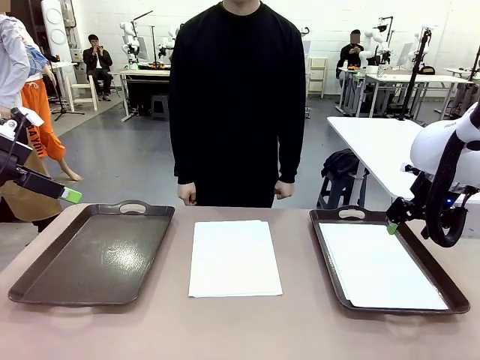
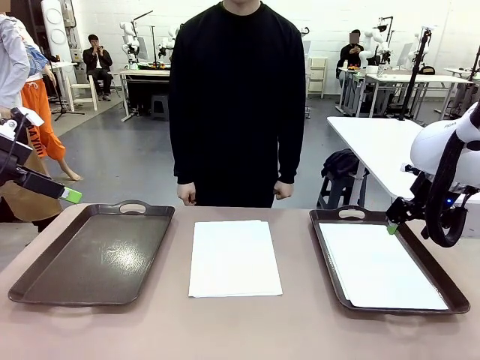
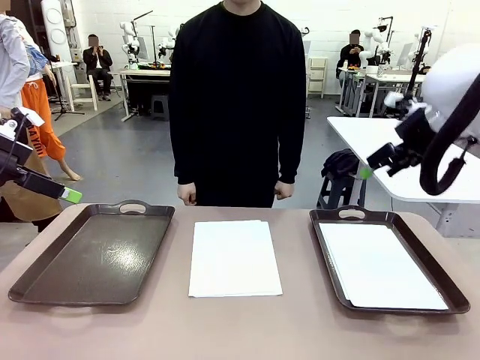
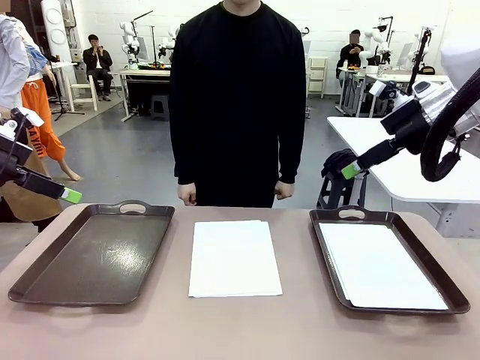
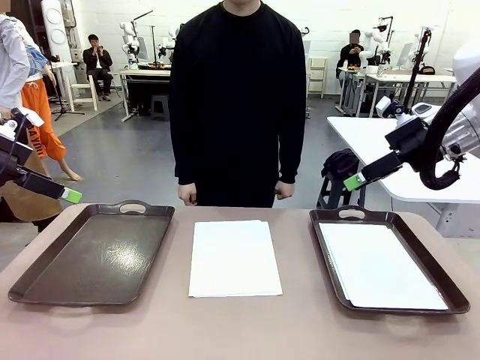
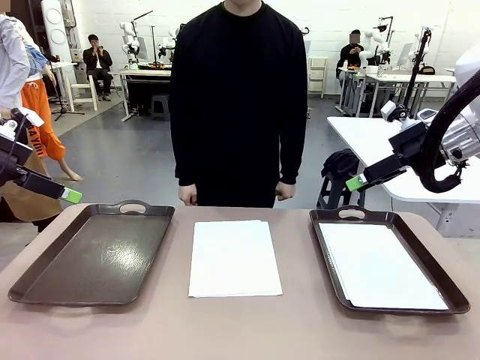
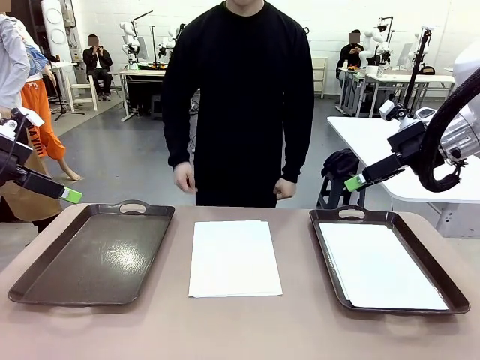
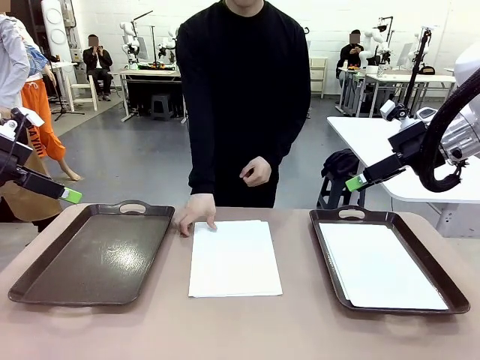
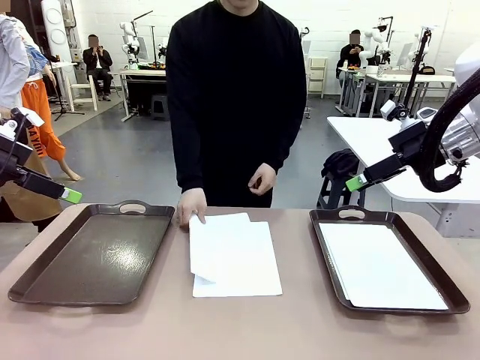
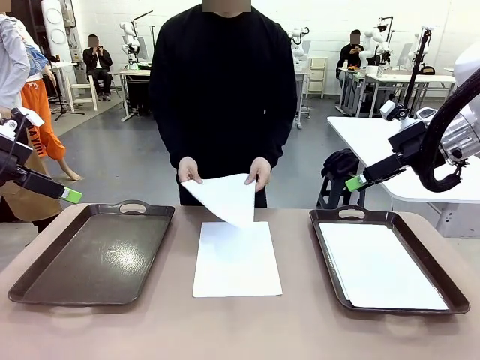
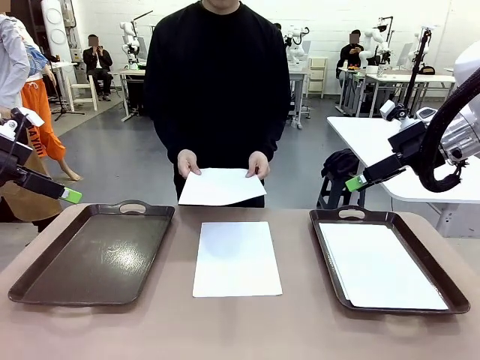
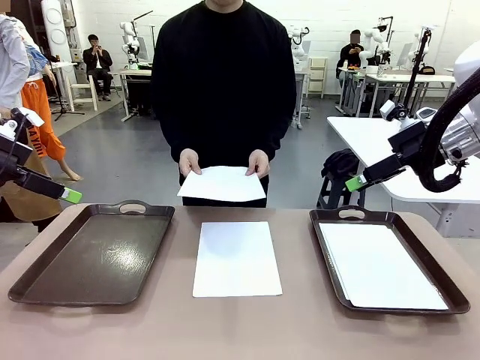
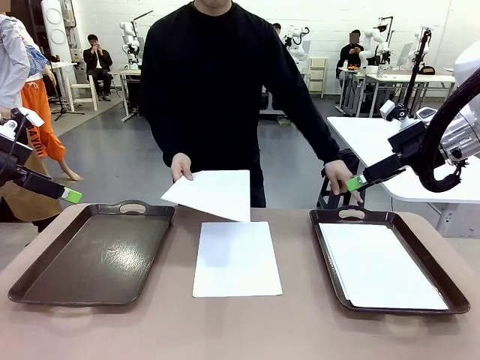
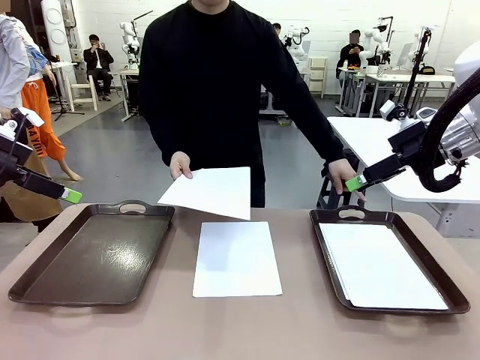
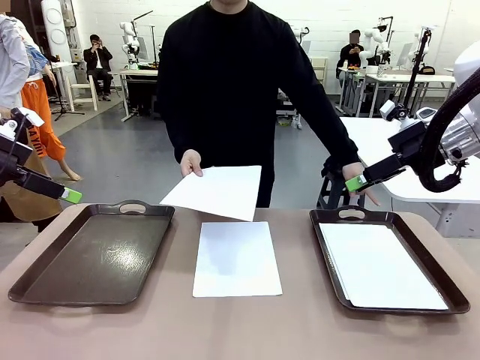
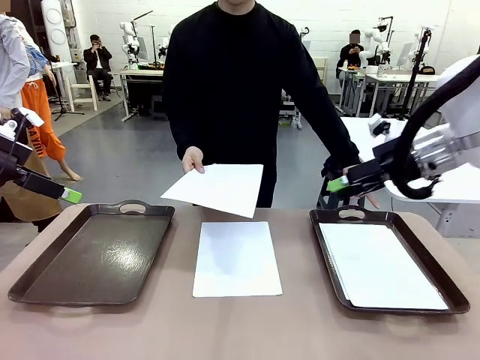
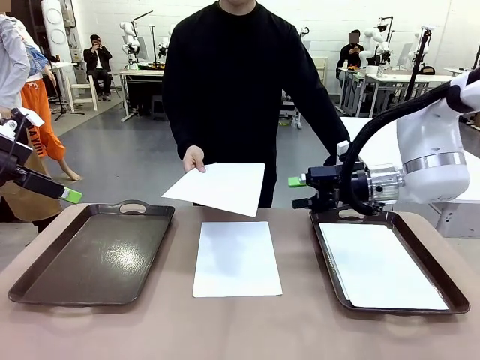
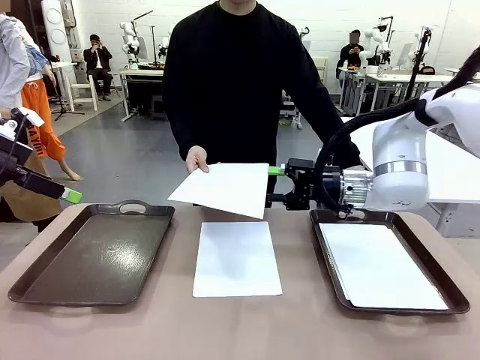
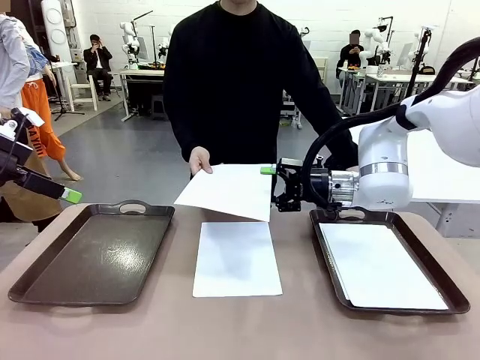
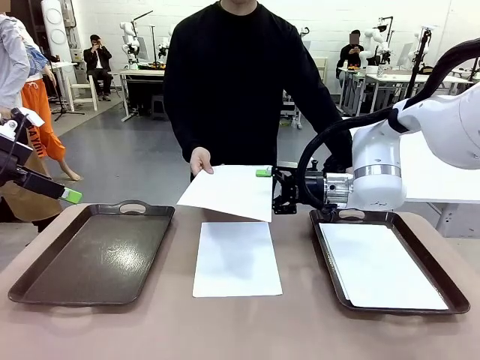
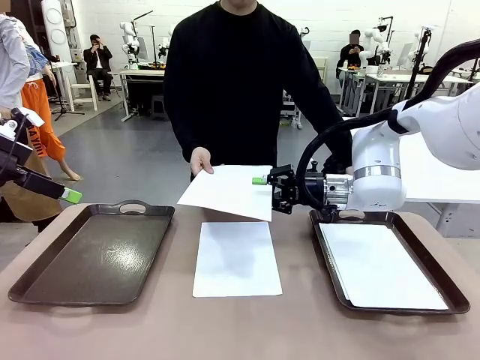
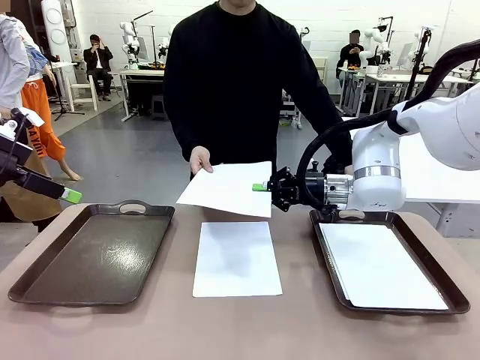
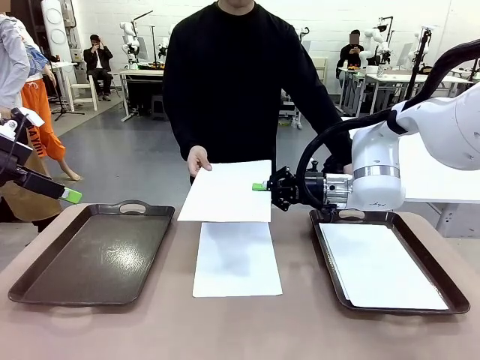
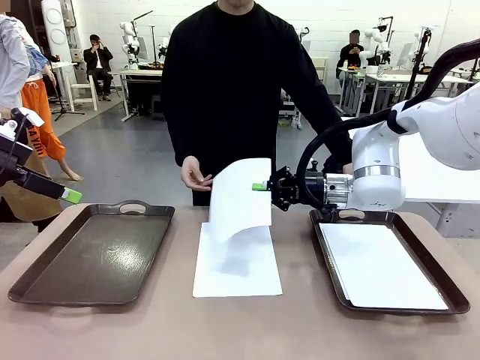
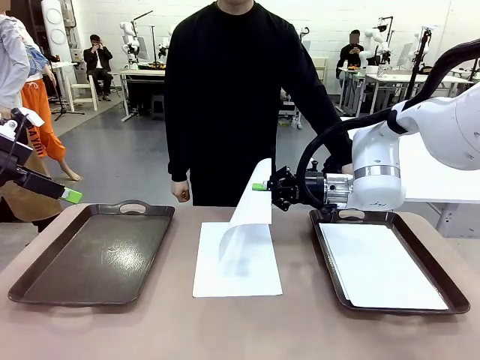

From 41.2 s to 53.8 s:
Task: Sort the A4 documents.
Robot: Receive the A4 Paper.
Person: Point the randomly selected tray with the other hand.

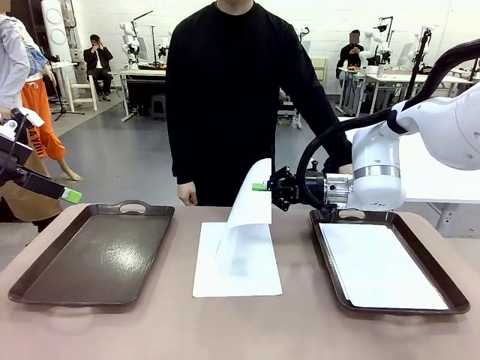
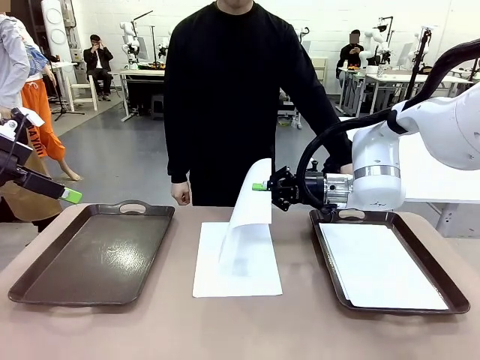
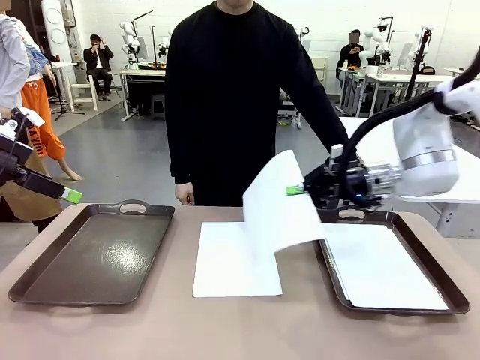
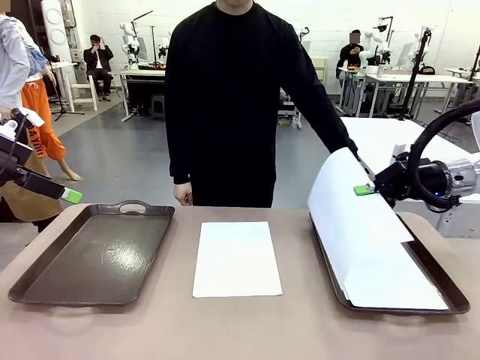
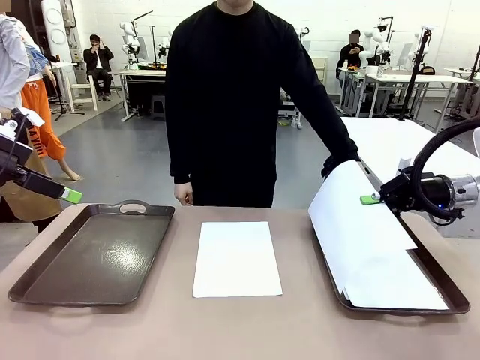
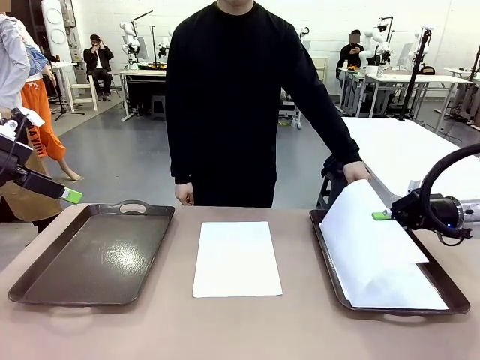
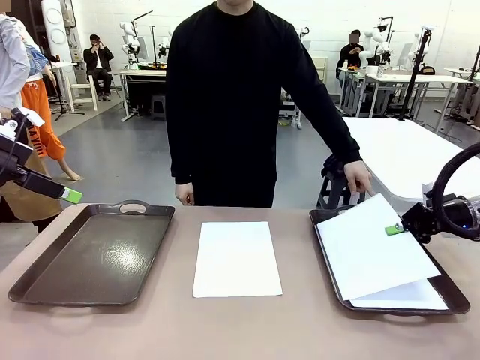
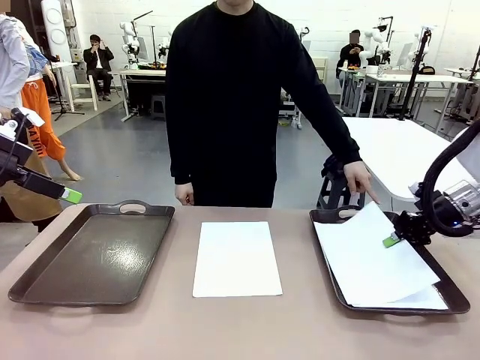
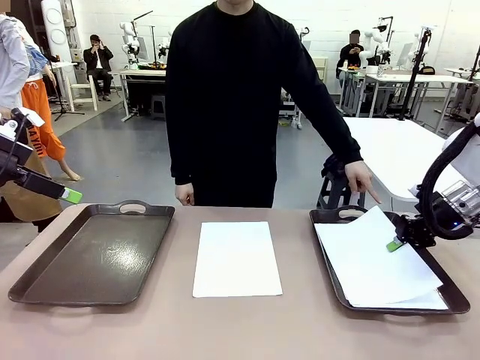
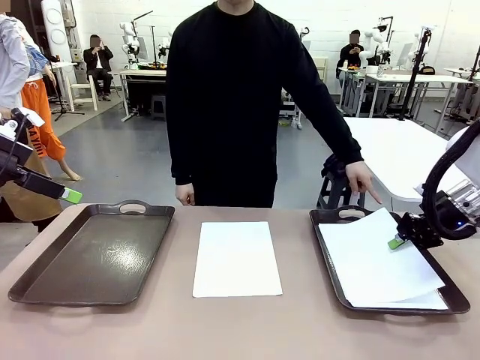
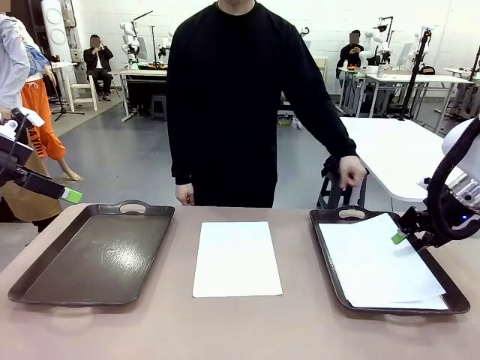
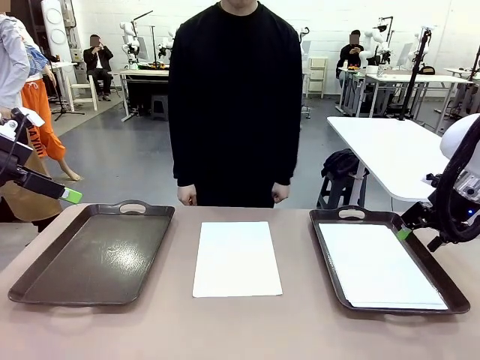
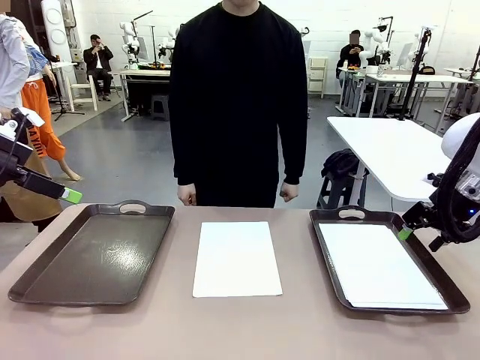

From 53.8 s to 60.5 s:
Robot: Place the A4 Paper in the designated Handle tray.

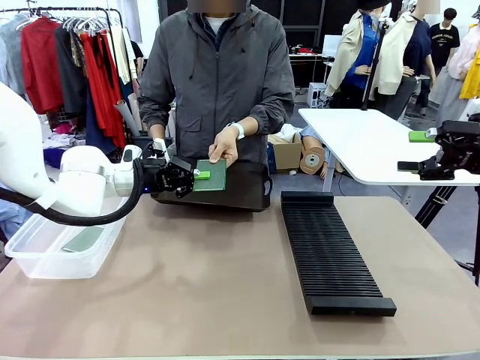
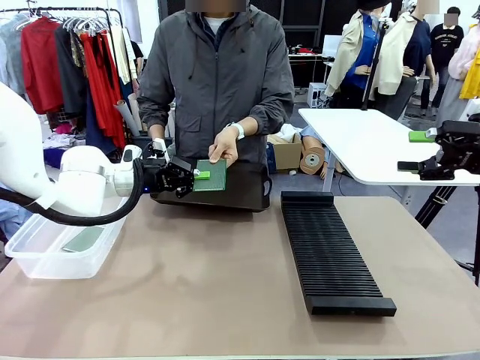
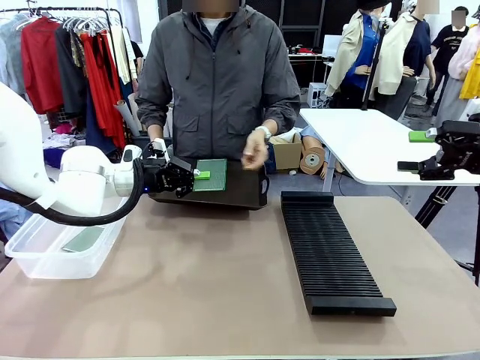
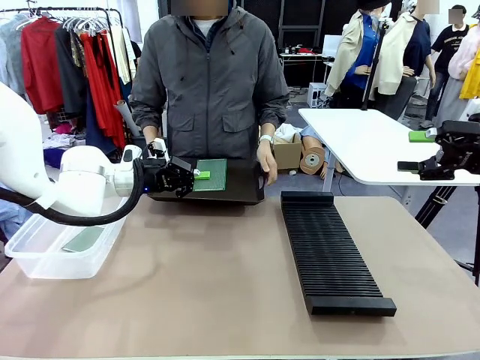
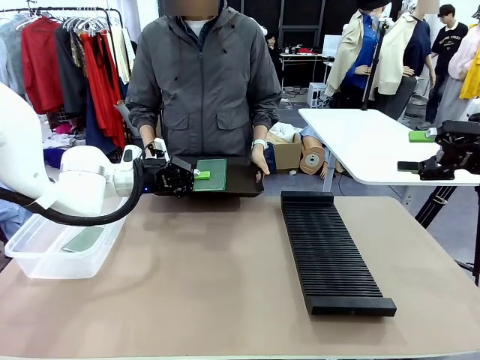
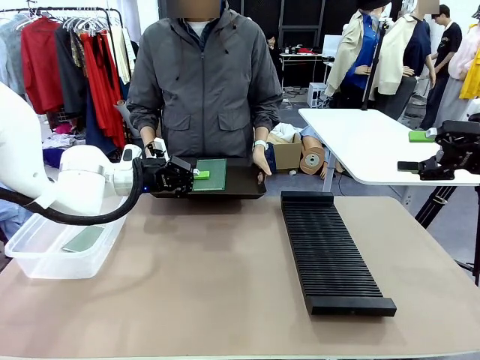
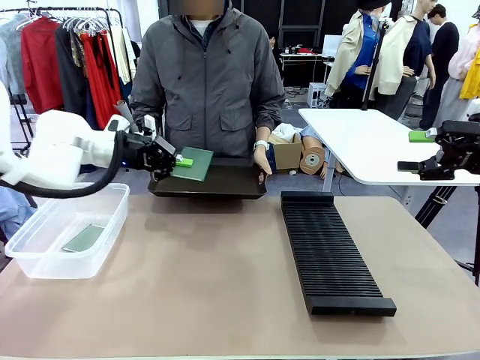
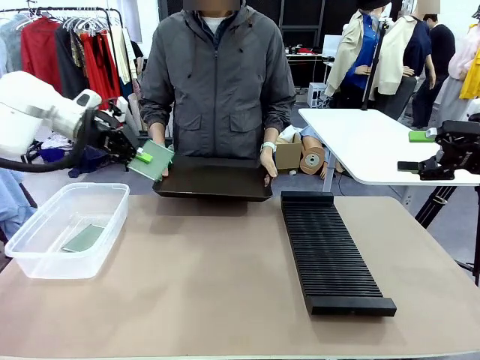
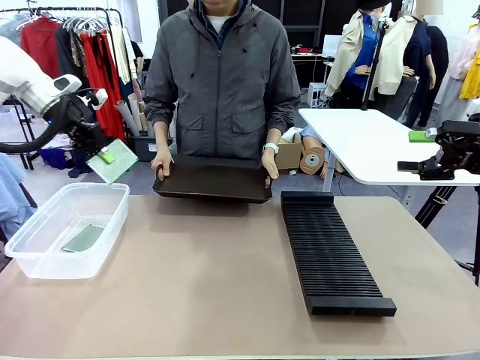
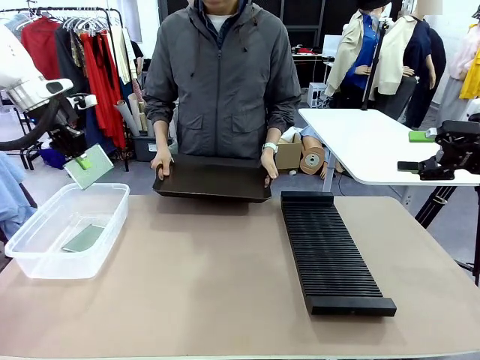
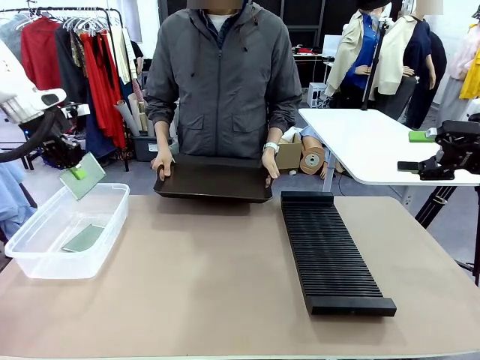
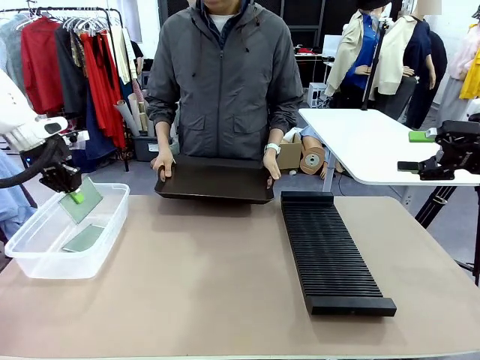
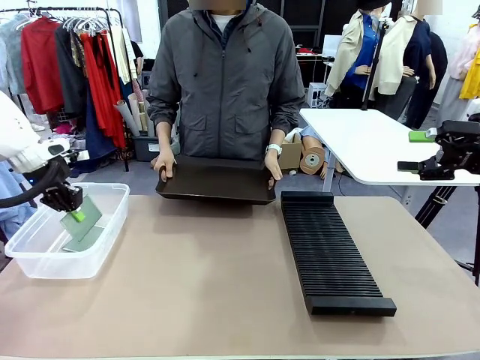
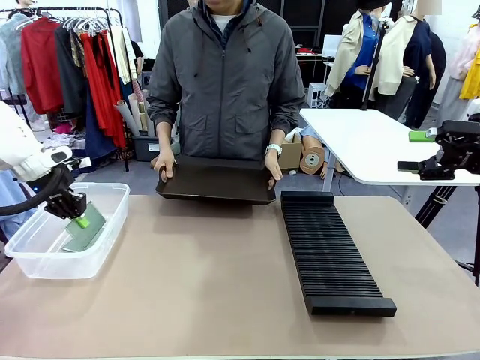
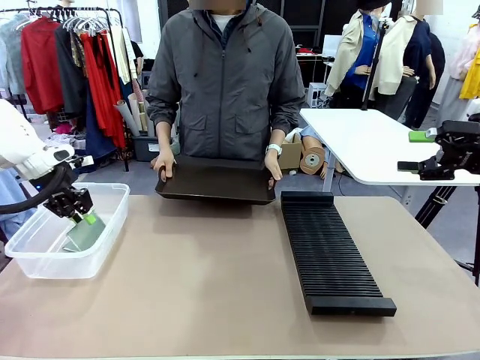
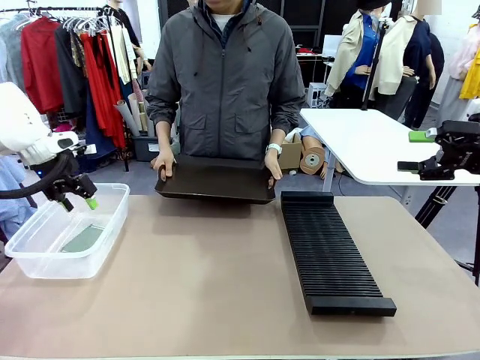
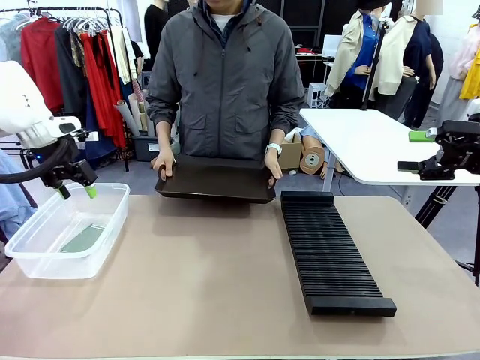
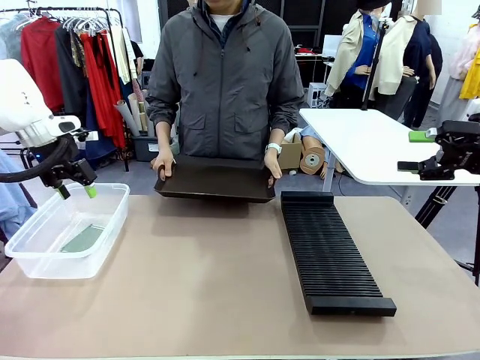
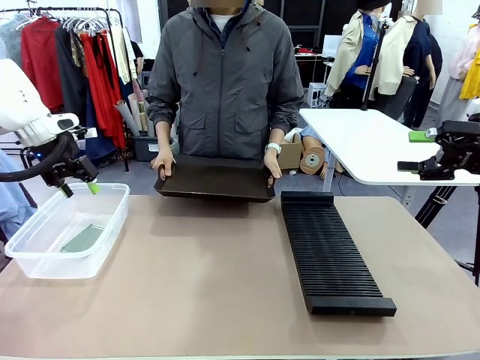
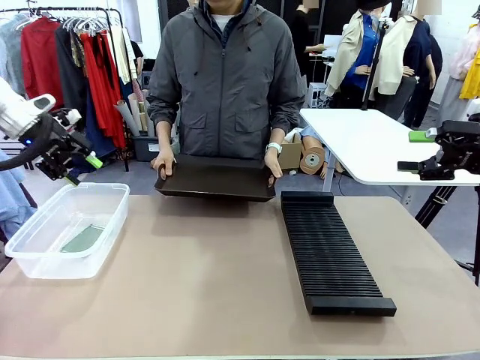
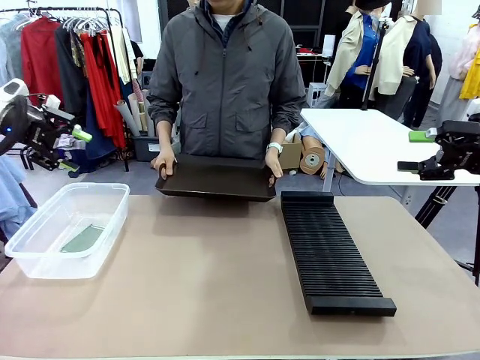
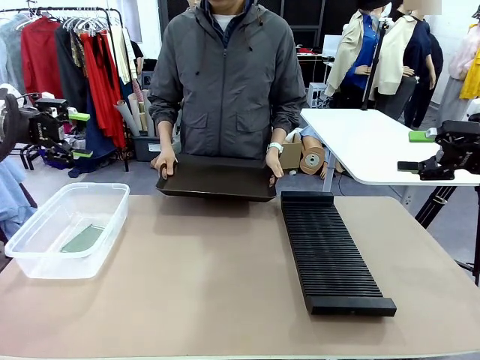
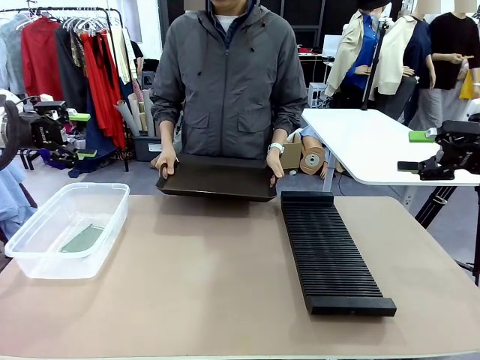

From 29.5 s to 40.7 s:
Task: Sort PCBs into racks and boxes based on the side picked up.
Robot: If the short side of the Blank PCB is picked up, insert it into the PCB Rack ; if the long side is picked up, place it in the Organizing box.
Person: Release the PCB being held.
